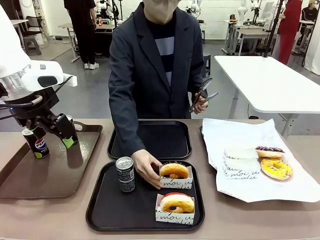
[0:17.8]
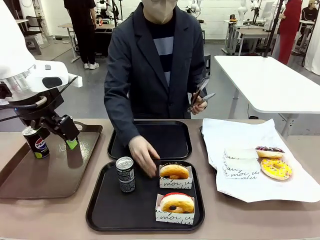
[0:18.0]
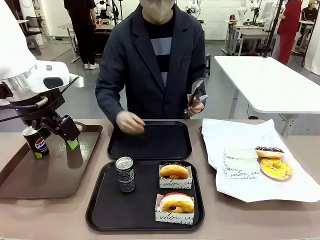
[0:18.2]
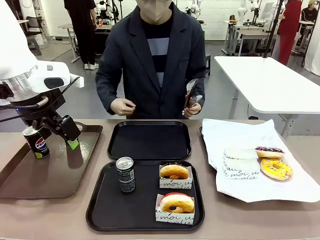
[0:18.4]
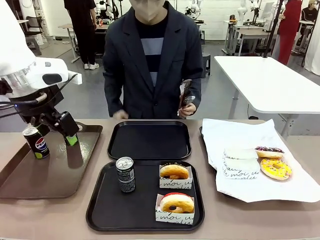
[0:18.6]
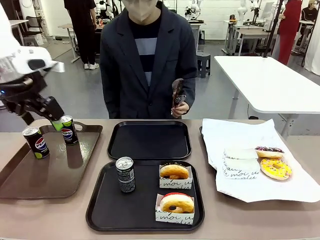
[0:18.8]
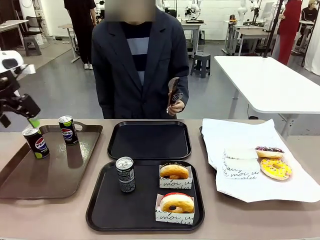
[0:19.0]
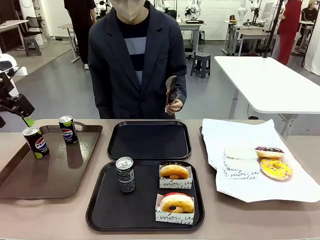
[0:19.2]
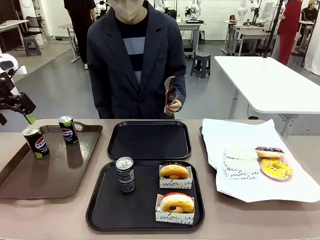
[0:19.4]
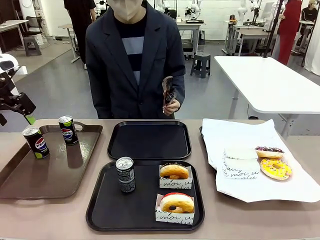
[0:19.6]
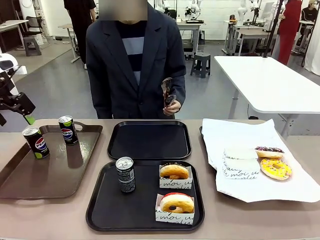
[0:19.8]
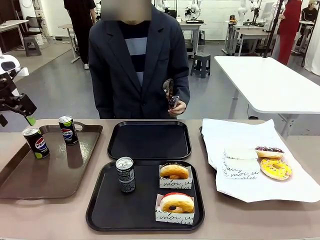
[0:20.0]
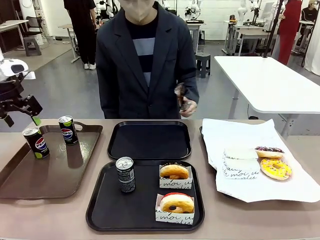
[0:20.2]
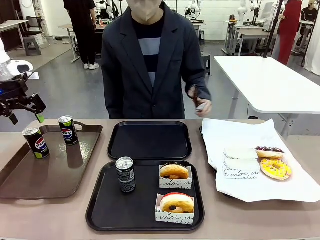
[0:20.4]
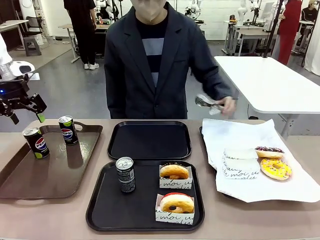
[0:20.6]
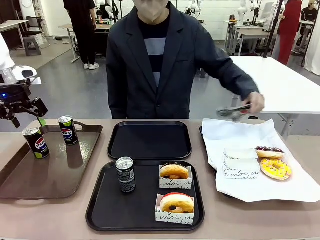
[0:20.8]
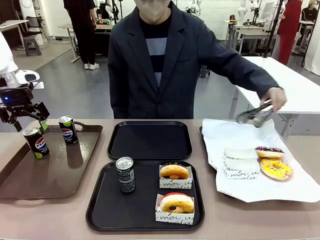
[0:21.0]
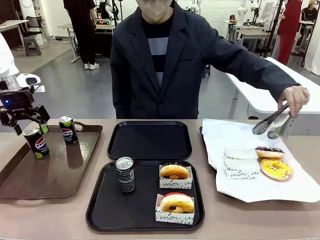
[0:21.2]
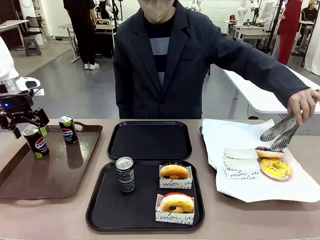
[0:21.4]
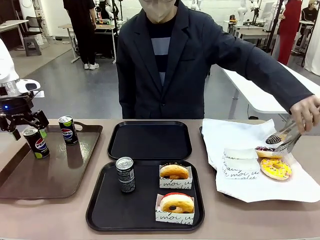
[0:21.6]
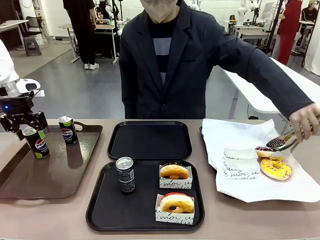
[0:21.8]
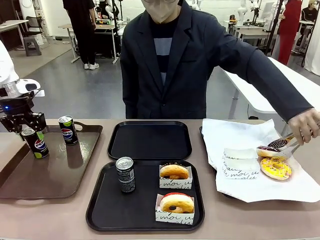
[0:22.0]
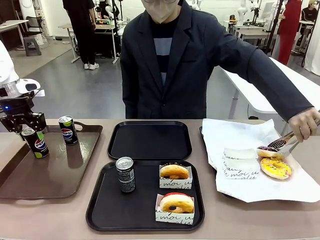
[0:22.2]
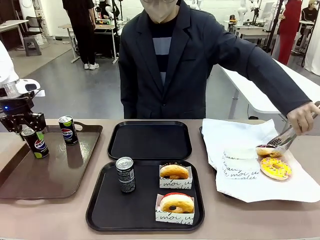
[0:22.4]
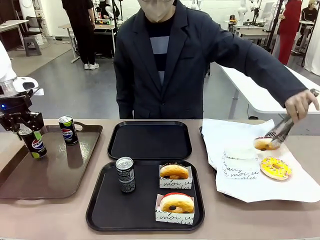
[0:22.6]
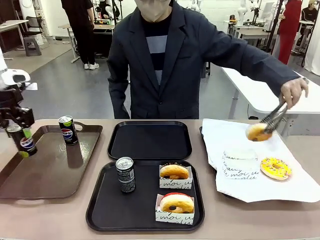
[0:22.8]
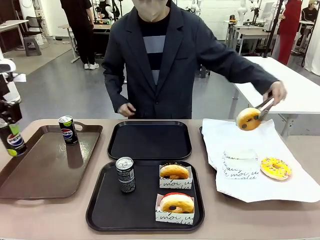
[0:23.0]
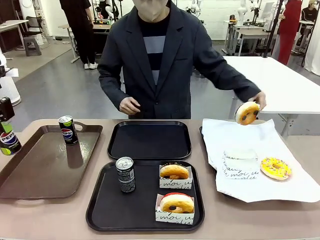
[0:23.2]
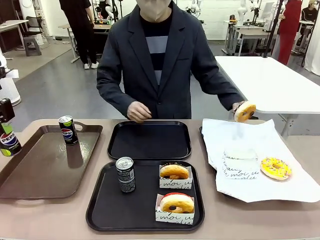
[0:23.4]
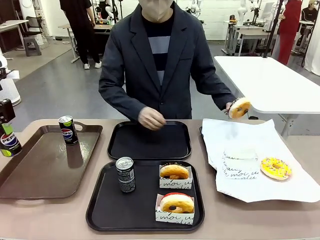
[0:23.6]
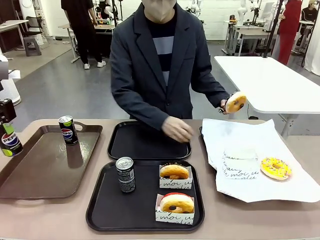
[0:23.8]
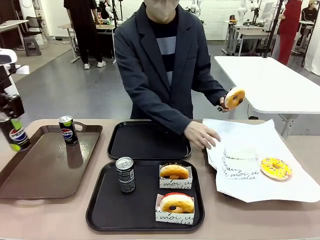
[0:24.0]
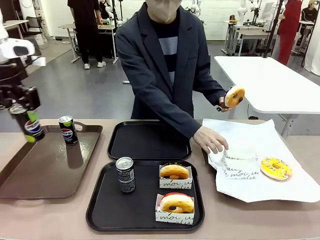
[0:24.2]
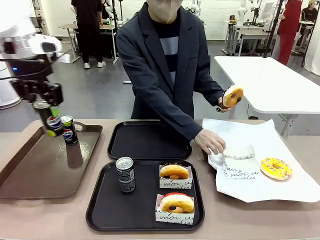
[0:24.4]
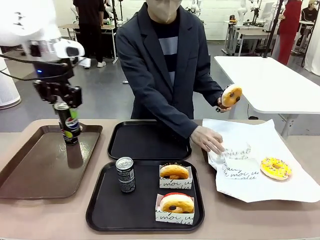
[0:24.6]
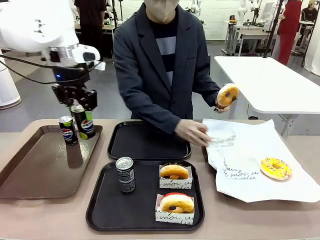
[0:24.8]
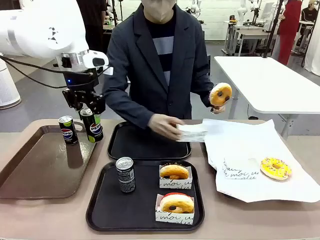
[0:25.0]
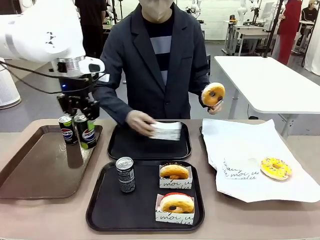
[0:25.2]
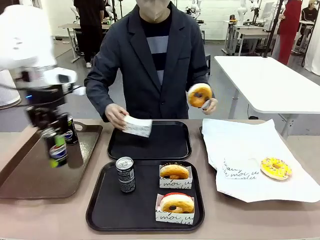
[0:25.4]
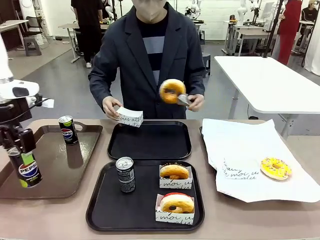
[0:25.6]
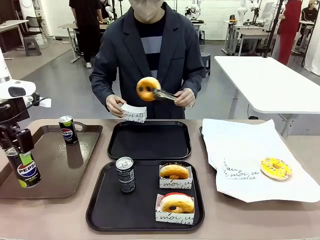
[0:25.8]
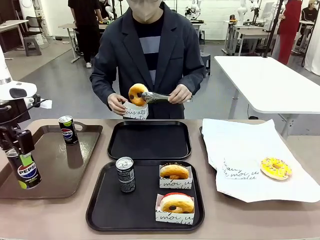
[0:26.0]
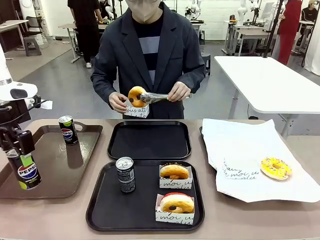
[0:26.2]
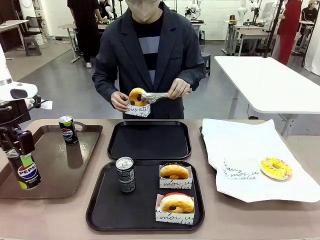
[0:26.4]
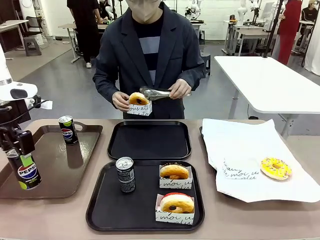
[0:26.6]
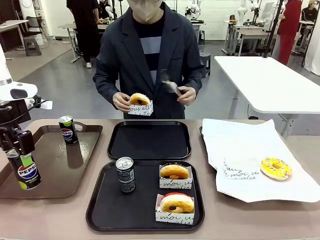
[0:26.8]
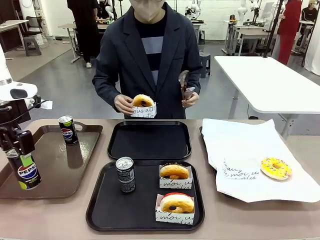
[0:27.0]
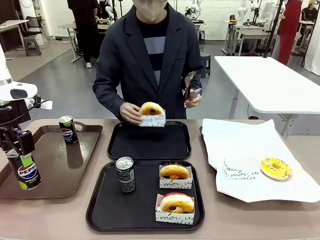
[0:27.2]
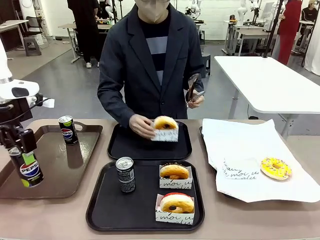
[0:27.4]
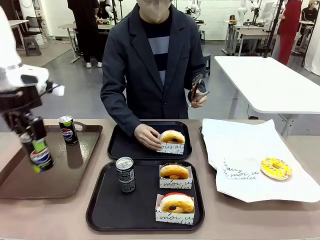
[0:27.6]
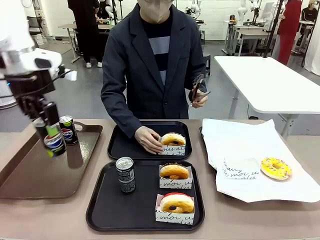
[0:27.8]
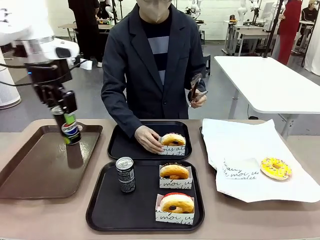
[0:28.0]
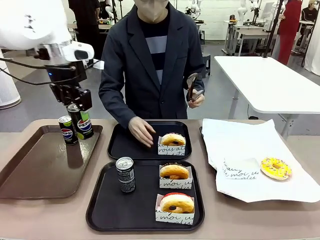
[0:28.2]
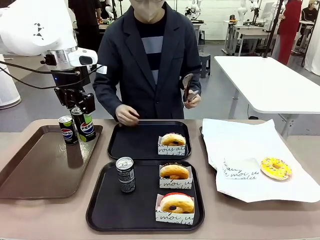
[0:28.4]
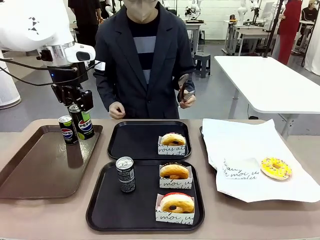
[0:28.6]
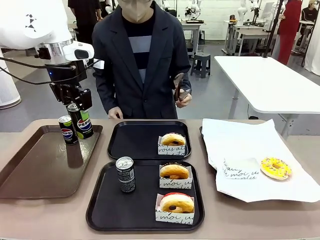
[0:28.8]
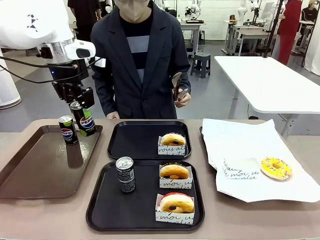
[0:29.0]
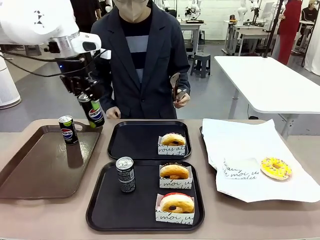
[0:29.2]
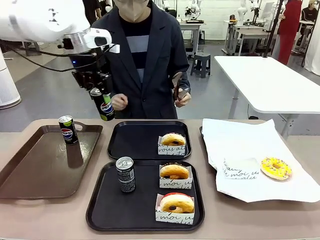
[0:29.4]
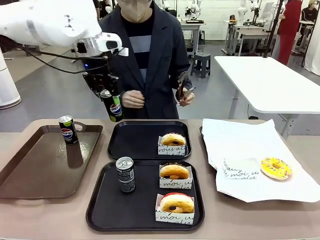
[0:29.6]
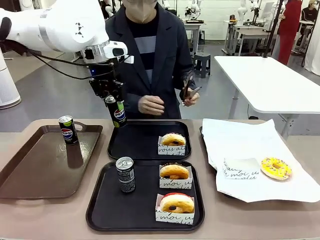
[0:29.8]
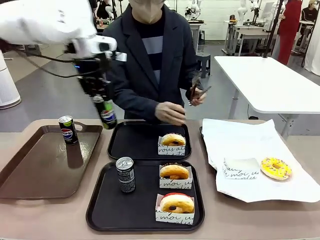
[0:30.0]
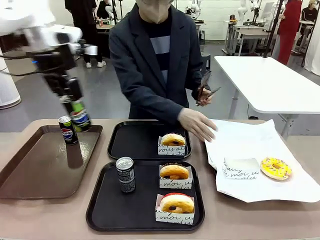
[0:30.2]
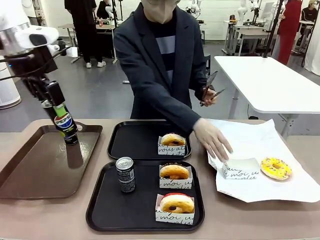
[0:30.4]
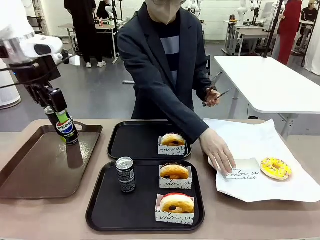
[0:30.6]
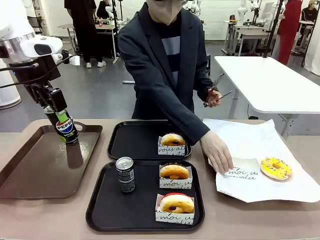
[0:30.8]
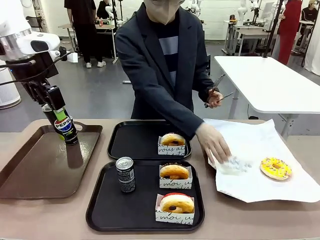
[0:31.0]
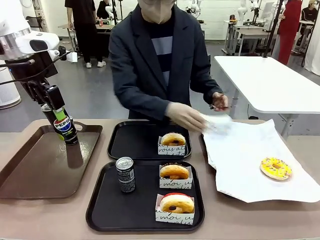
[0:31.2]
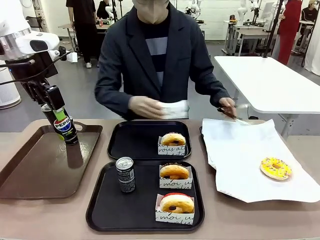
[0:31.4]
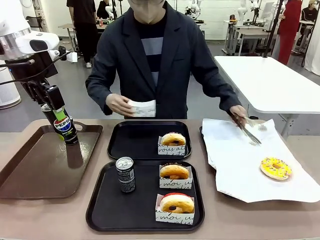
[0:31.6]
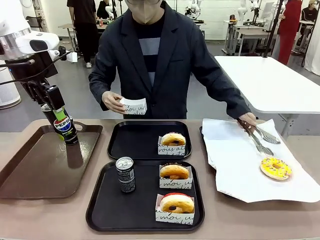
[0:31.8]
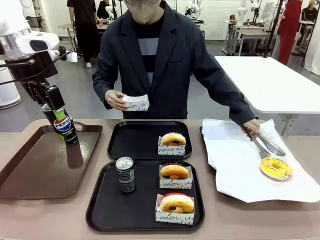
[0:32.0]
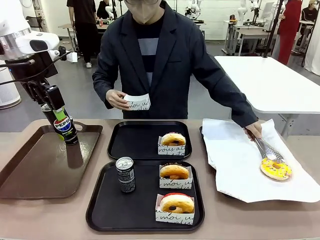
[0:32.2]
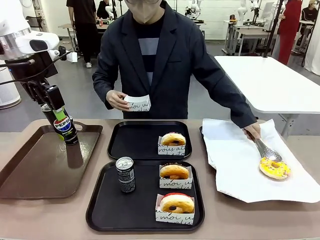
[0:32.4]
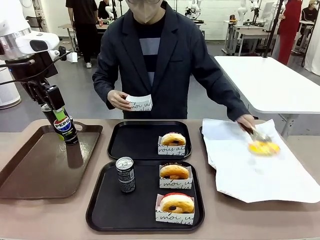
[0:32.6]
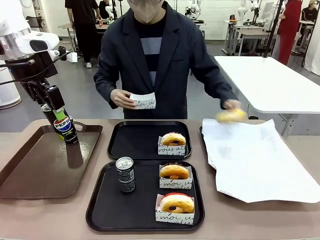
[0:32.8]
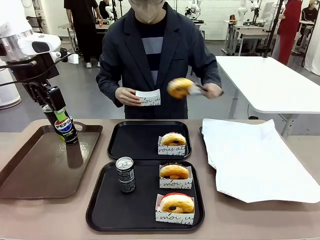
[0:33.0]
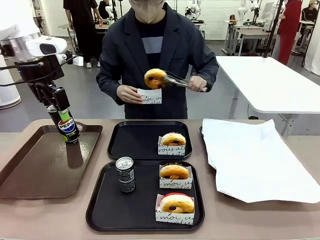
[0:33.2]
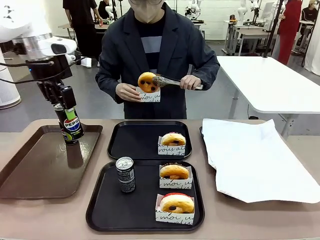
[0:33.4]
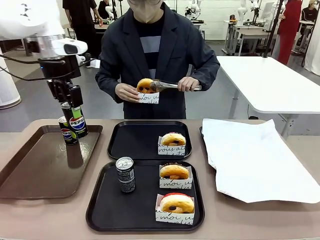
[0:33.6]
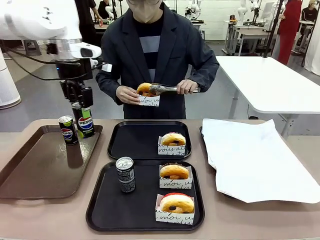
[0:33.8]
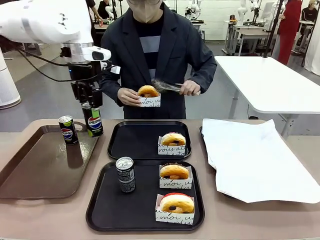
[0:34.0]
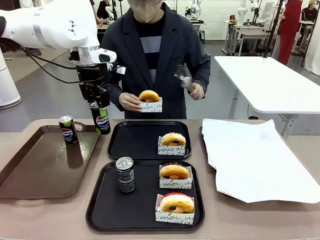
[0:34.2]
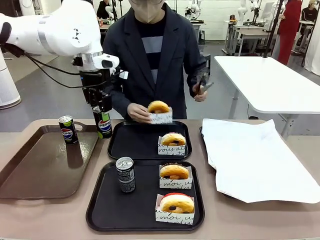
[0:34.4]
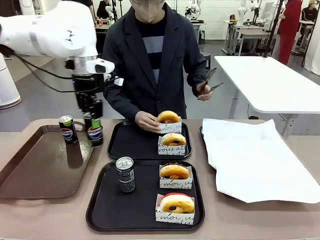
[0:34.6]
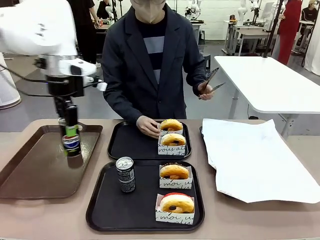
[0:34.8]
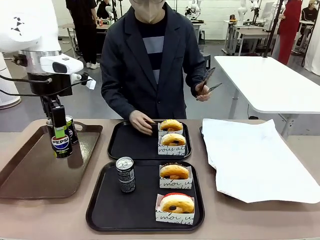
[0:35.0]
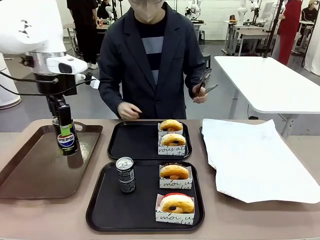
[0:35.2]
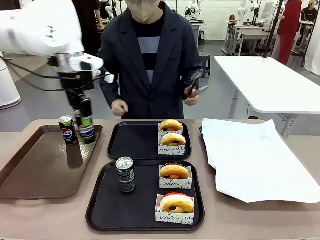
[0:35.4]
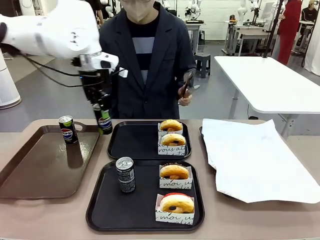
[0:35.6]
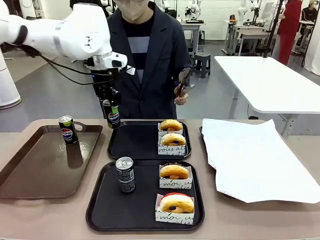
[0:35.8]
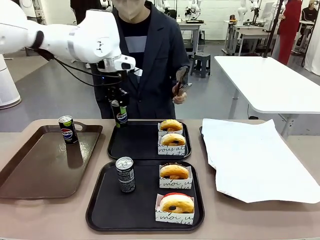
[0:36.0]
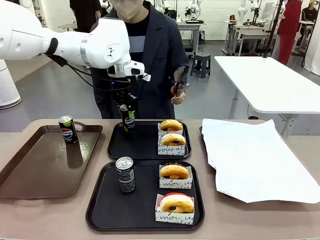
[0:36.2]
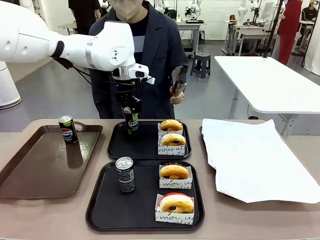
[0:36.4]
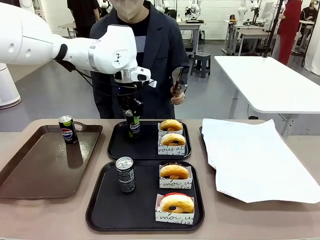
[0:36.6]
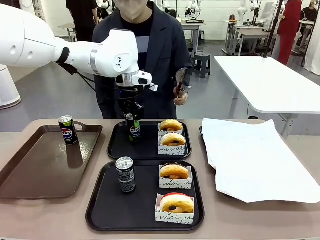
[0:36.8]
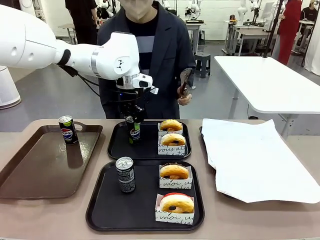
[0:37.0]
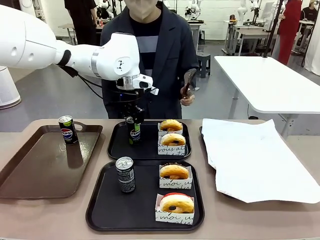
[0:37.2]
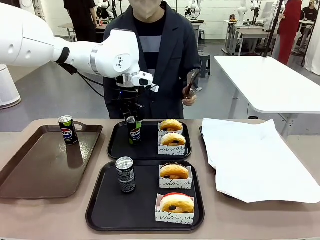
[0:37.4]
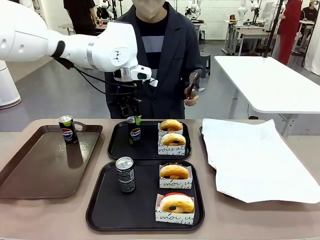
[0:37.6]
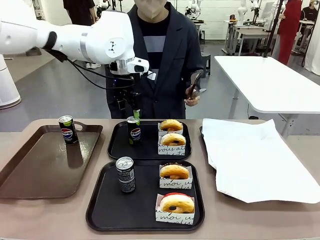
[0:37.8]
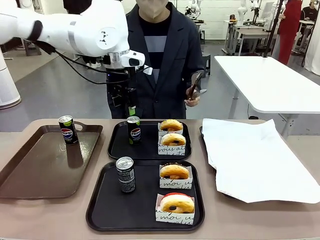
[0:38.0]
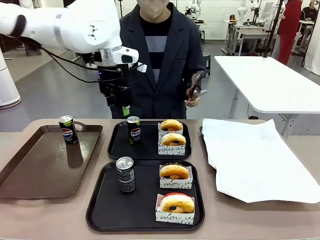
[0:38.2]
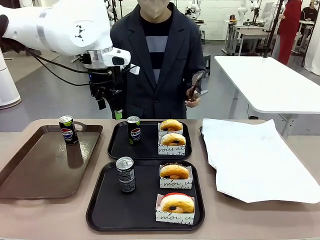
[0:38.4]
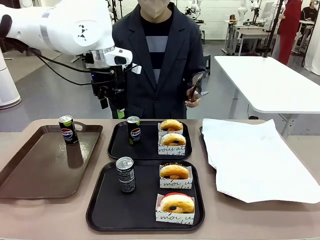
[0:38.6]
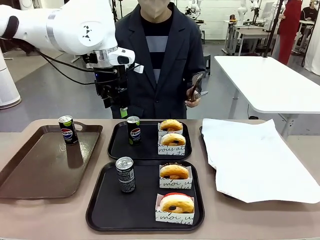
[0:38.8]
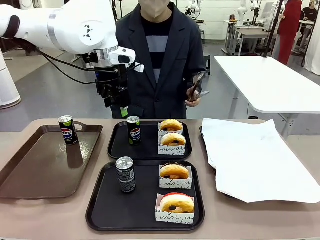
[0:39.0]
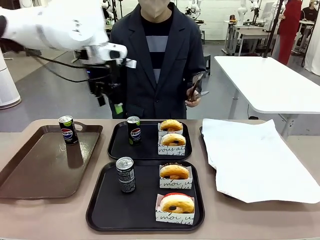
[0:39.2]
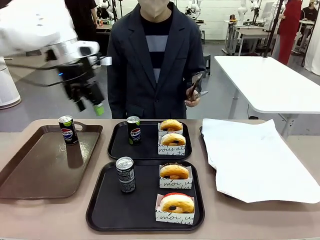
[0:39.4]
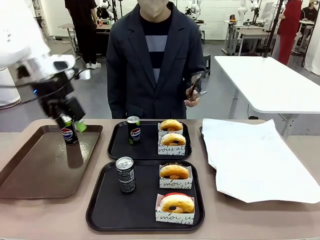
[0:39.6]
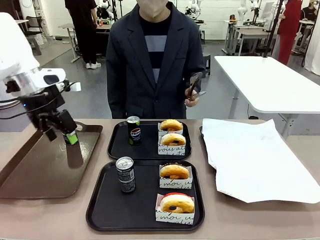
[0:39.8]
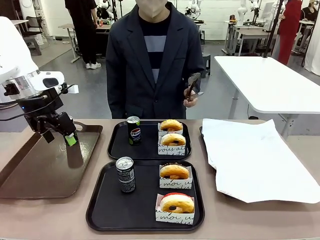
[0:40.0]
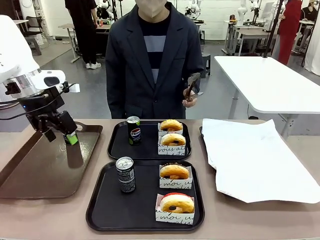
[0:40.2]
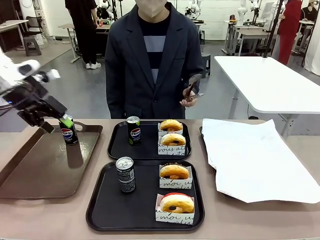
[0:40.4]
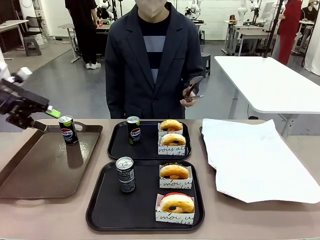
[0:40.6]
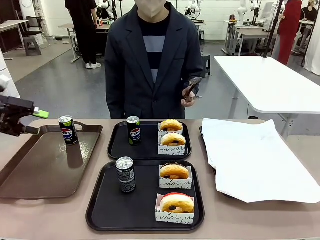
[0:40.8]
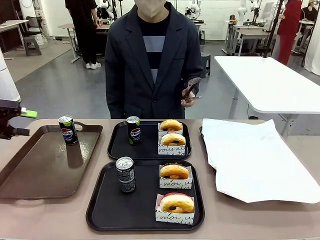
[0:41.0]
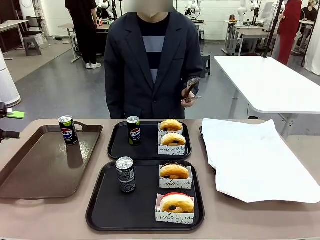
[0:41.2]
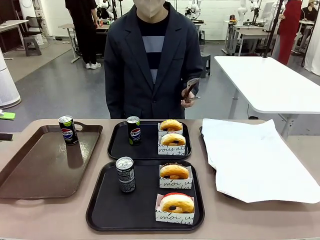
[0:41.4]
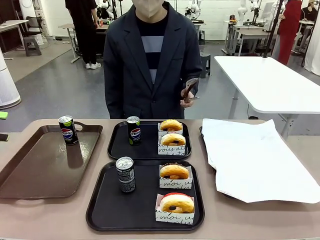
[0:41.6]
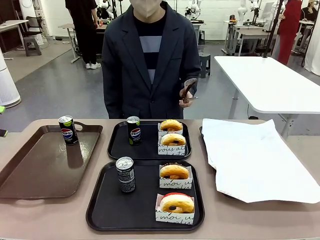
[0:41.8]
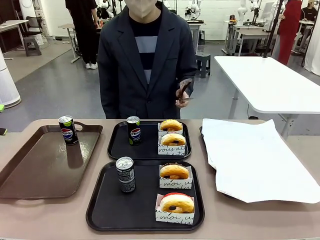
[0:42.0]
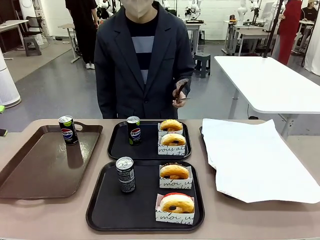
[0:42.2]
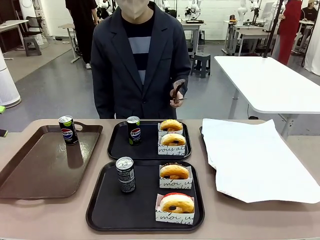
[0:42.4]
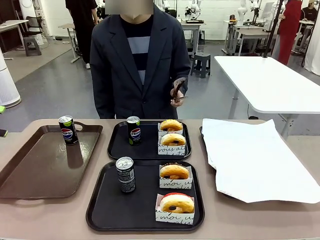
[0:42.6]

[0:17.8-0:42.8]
Task: Set up donuts and drinks on trays.
Robot: Pick up one Pepsi coke from the Handle tray and place it on the Flat Tray without a Pepsi coke.
Person: Pick up one donut with tongs, place it in the donut tray, and then place the donut tray on the flat tray.
